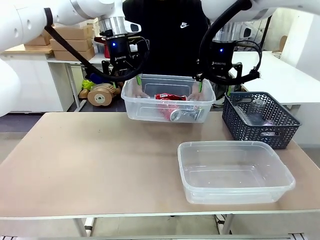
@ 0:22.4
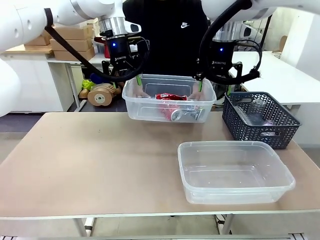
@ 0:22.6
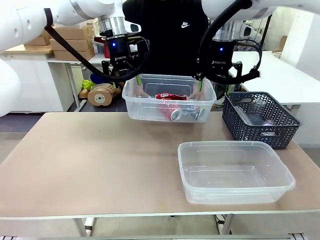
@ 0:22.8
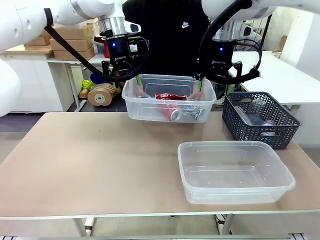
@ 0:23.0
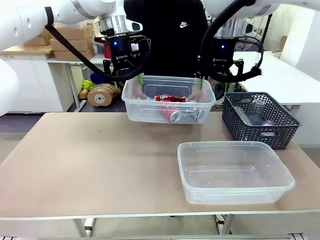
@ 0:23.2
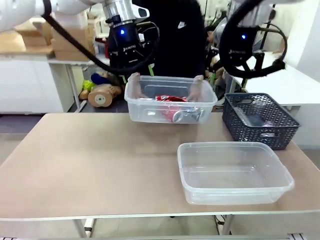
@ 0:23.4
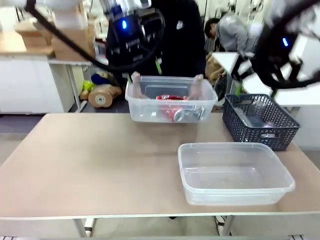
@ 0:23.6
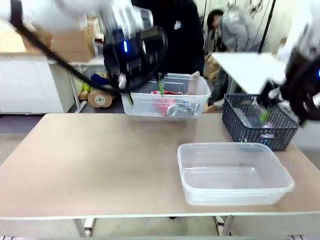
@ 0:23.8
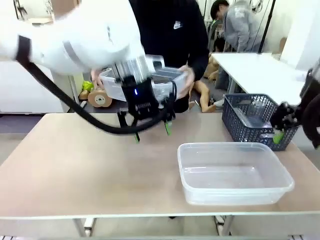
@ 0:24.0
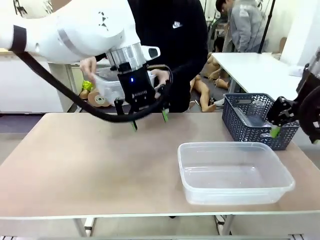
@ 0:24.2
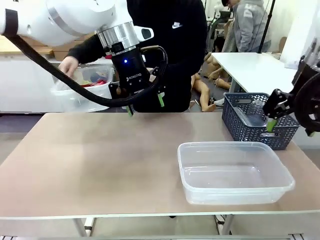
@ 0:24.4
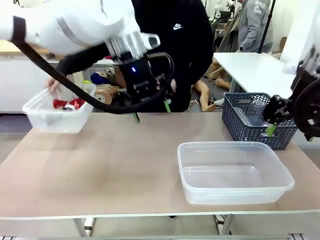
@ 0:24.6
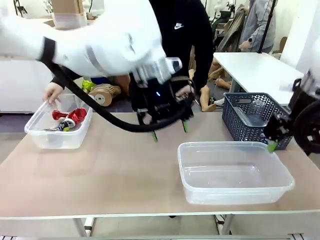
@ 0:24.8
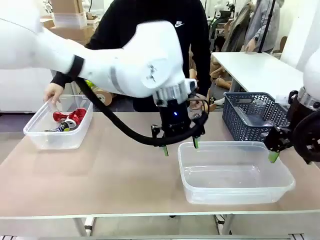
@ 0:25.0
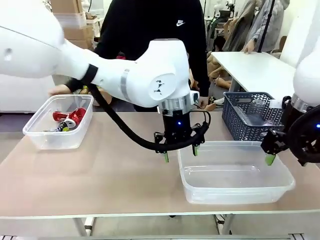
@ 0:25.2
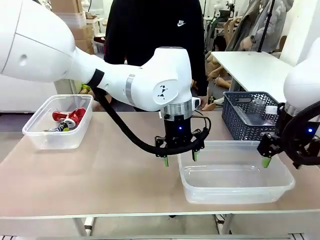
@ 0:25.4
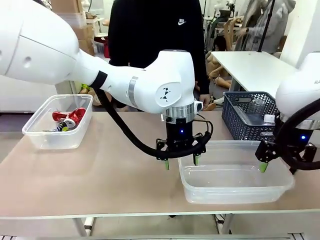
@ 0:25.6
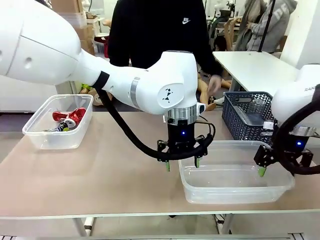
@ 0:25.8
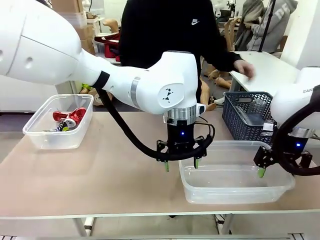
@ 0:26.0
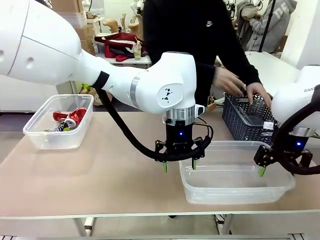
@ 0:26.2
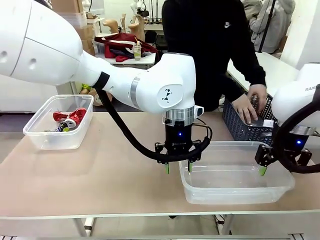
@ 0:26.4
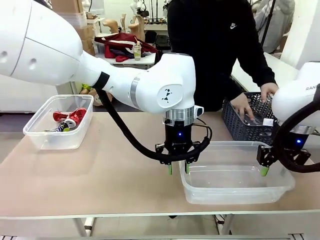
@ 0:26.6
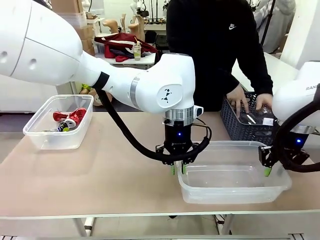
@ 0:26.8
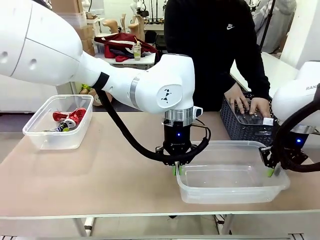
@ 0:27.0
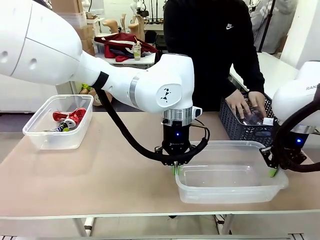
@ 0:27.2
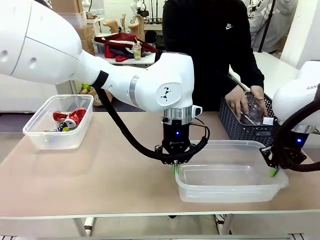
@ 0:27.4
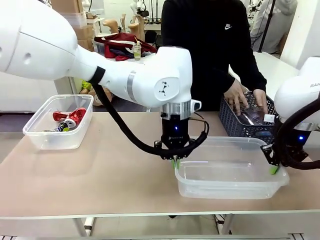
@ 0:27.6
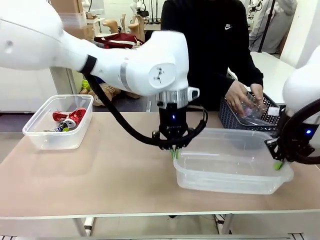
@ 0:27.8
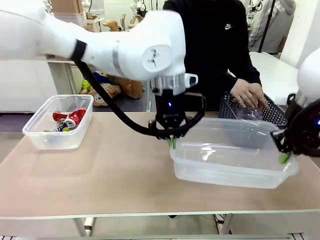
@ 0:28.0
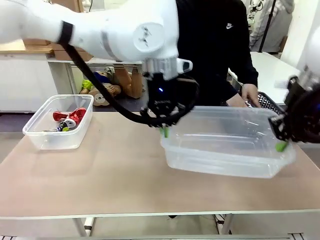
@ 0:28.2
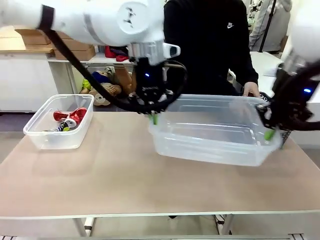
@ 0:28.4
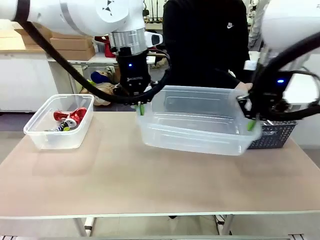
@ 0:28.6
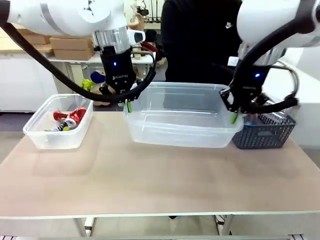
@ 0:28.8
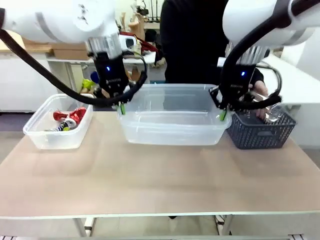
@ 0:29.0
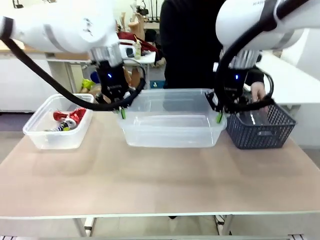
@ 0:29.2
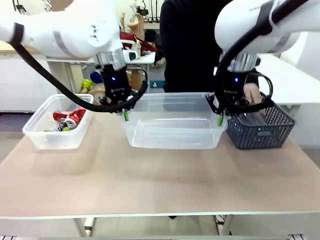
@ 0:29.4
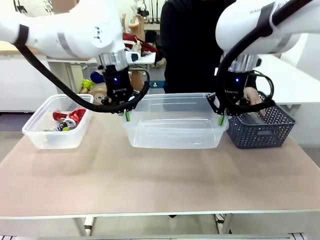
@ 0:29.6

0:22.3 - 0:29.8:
Robot: Pick up the Organizing box on the right side of the table and lift it.
Person: Place it at the edge of the bottom right area of the robot table.

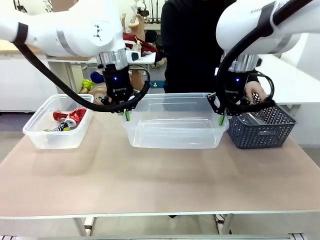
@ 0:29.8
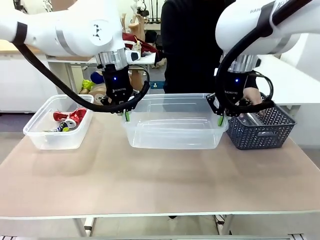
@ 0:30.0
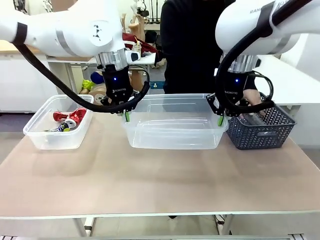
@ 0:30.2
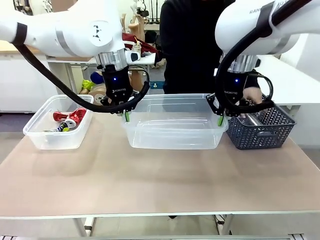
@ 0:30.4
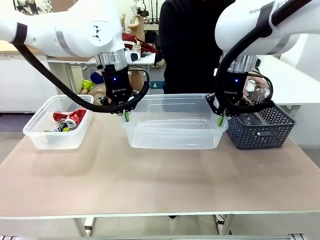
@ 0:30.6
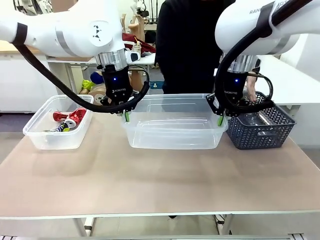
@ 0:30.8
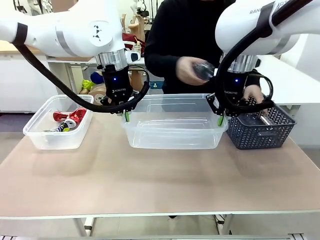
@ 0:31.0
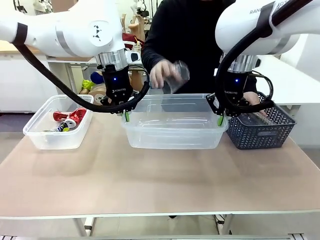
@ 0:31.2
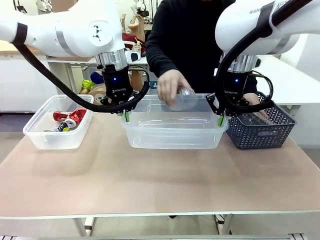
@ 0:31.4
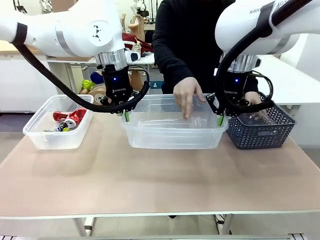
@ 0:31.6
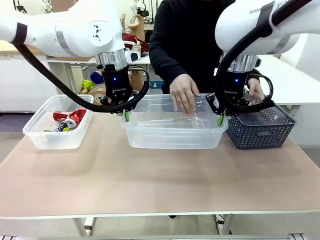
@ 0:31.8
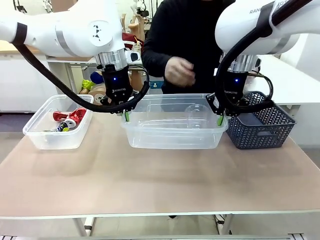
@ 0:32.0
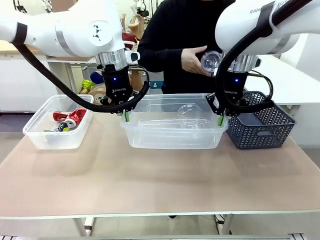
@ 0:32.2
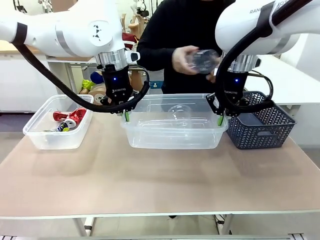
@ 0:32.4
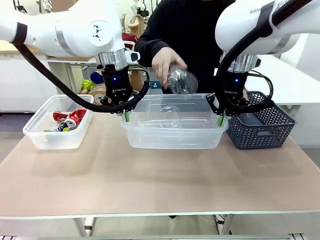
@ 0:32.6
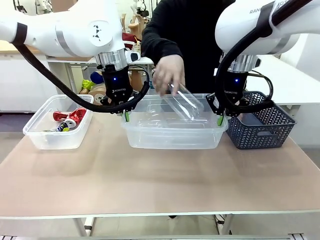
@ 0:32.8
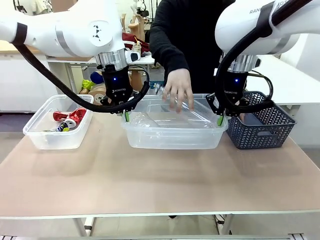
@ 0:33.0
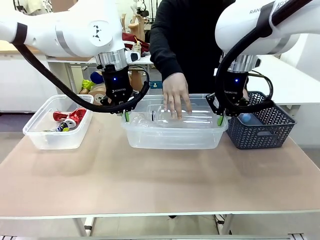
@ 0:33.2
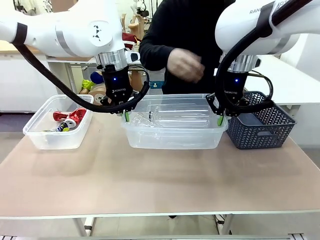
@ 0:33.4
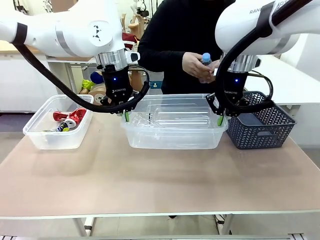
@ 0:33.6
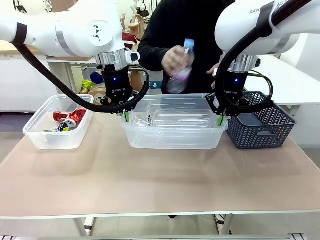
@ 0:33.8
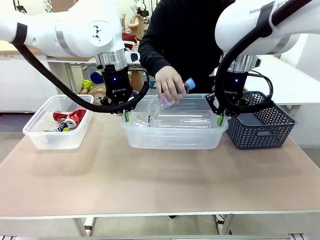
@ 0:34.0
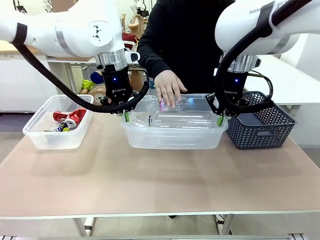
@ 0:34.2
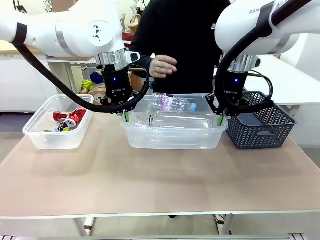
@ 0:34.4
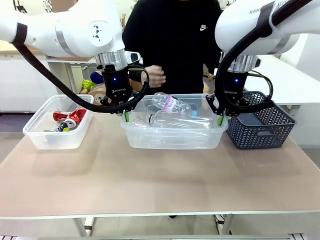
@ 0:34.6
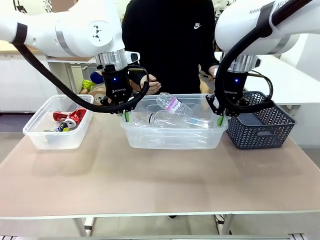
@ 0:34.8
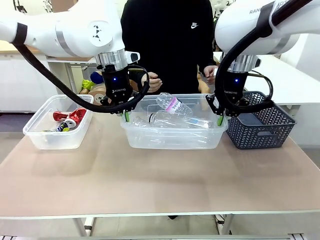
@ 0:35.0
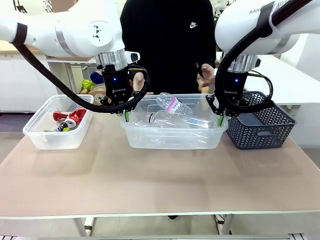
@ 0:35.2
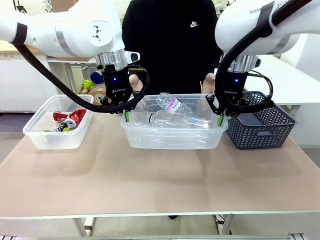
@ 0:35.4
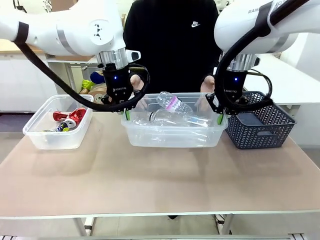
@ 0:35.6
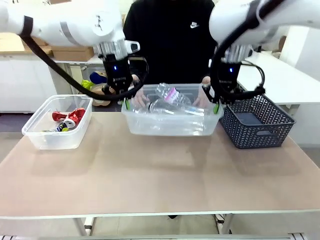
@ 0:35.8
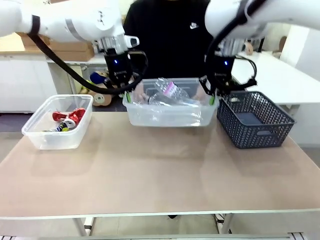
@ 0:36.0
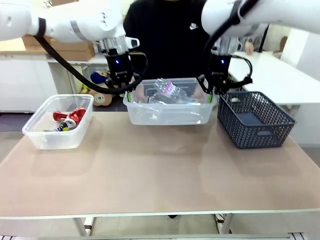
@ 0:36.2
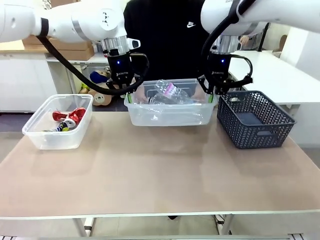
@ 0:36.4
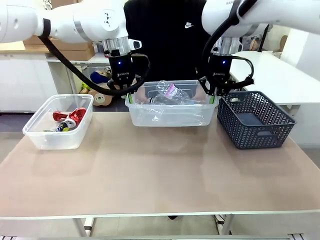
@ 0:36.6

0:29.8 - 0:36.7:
Robot: Offer the picked Organizing box to the human.
Person: Pick up plastic waste one by one and place it into the organizing box lifted by the robot.

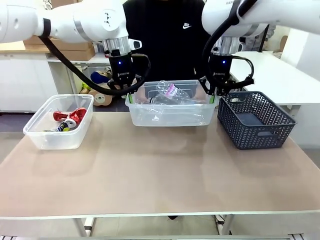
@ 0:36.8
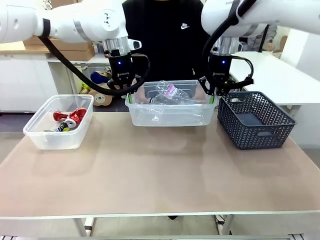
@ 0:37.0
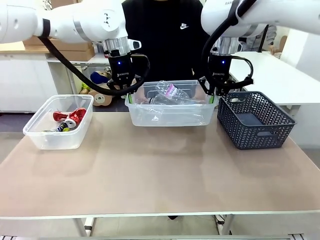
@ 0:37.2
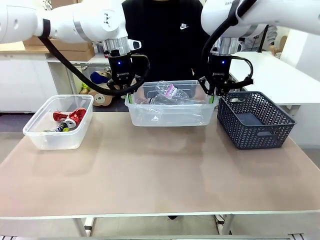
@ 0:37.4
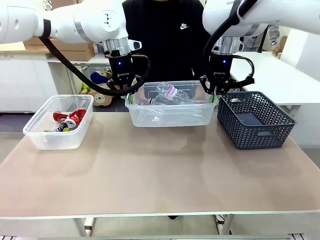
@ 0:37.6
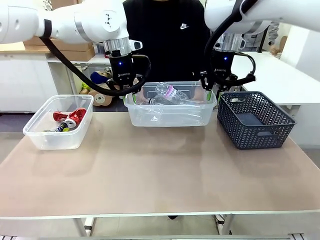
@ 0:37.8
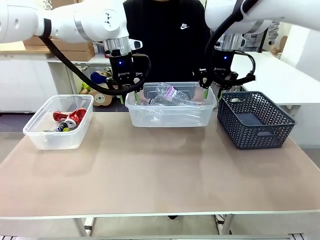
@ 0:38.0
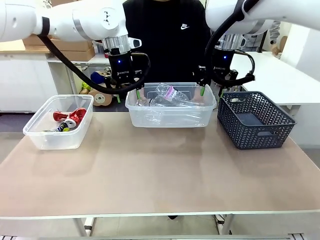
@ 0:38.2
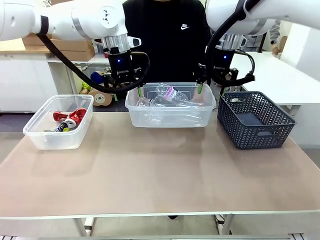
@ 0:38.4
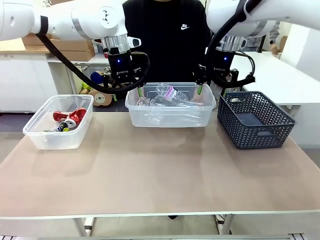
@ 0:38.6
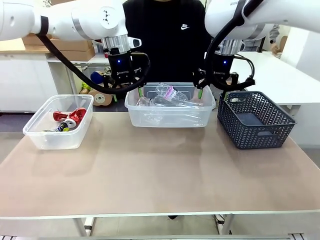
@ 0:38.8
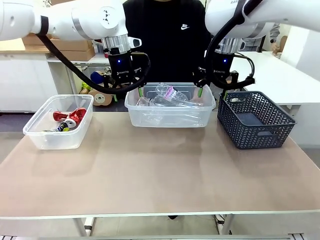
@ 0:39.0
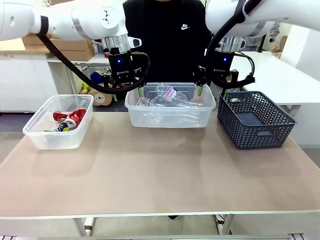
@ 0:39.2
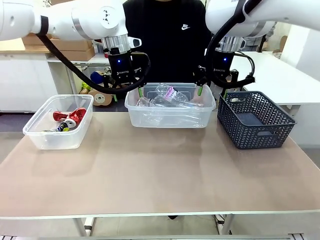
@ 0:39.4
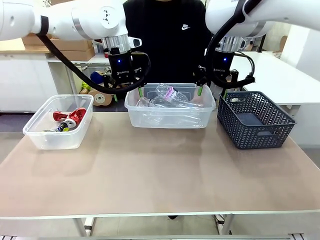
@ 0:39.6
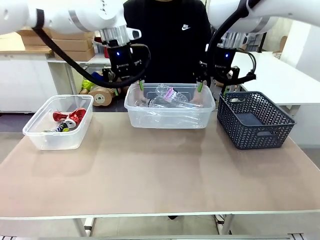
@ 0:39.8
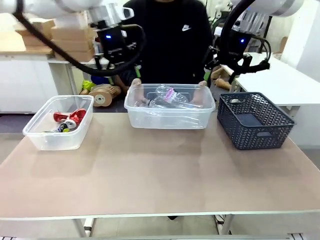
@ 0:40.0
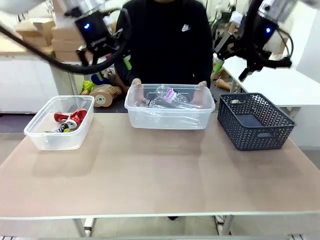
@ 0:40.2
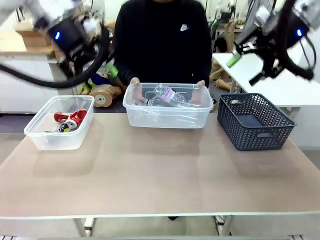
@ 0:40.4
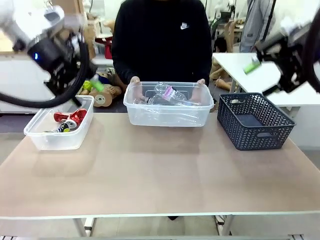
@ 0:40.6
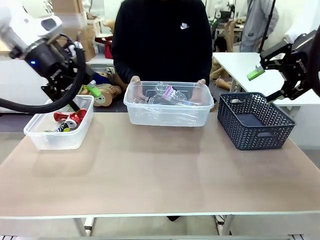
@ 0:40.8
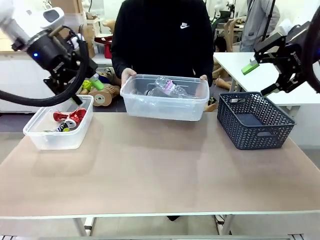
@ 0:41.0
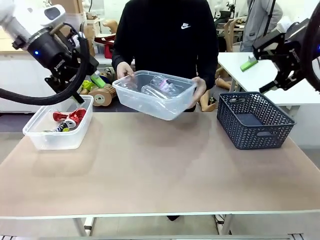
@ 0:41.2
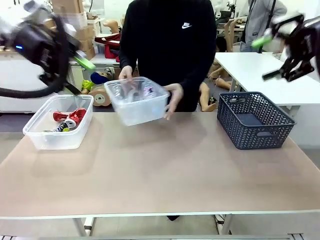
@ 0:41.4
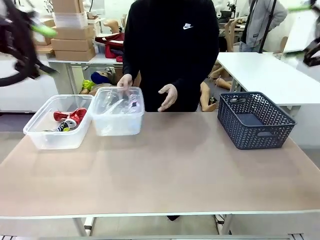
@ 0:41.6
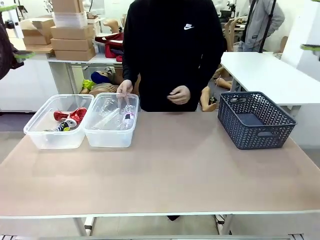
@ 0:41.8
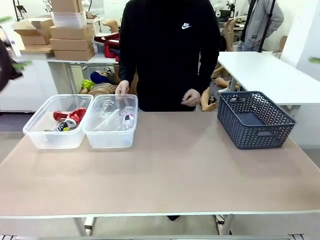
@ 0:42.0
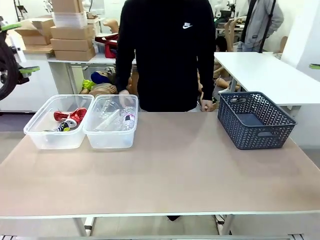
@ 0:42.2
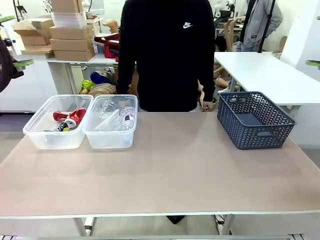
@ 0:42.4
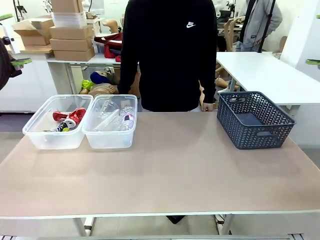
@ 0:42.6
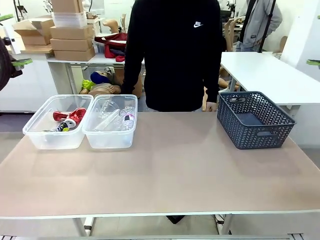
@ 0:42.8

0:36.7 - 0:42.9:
Robot: Release the Organizing box you were holding.
Person: Pick up the organizing box extended by the robot. Place the organizing box to the left of the sorting box containing the can waste.
